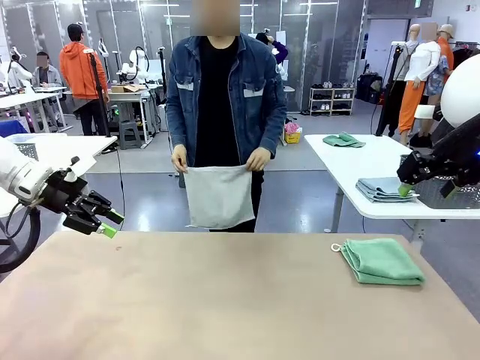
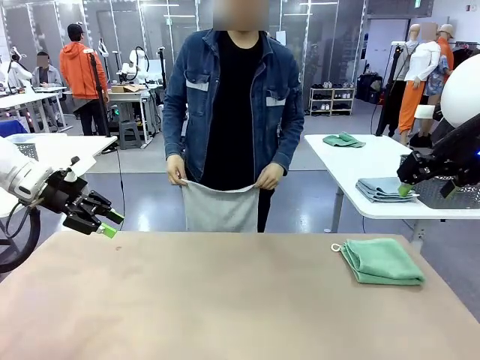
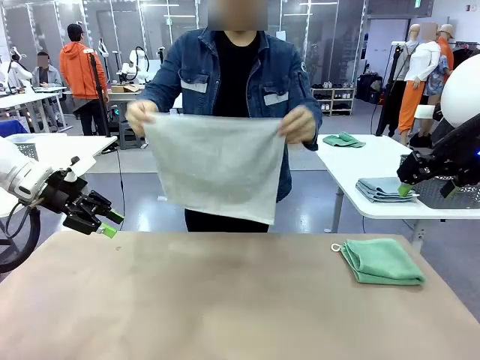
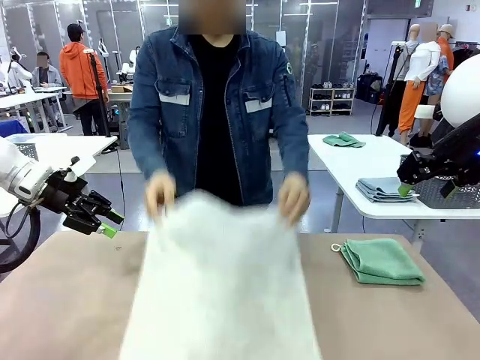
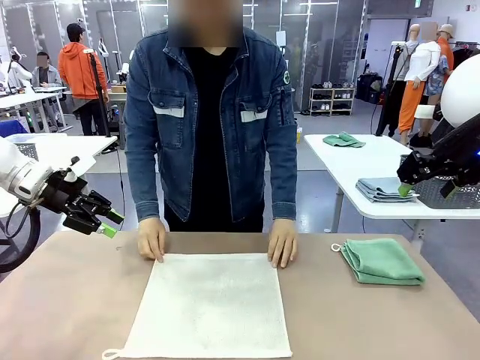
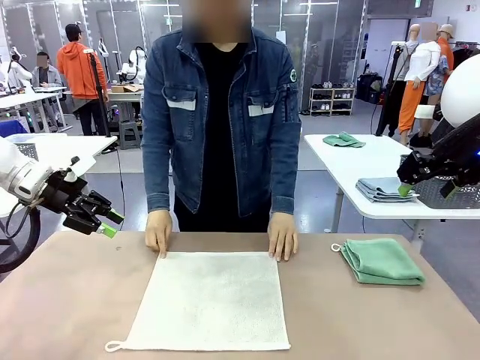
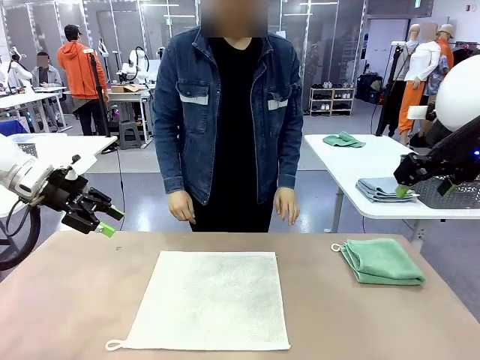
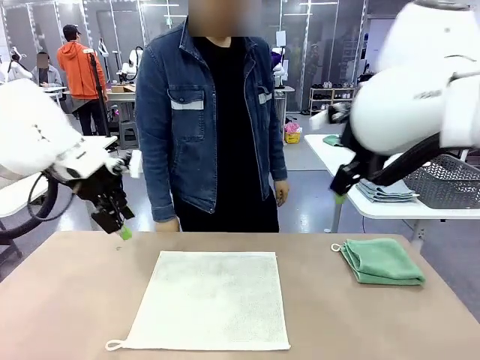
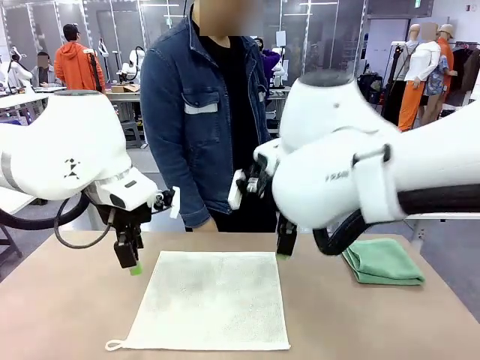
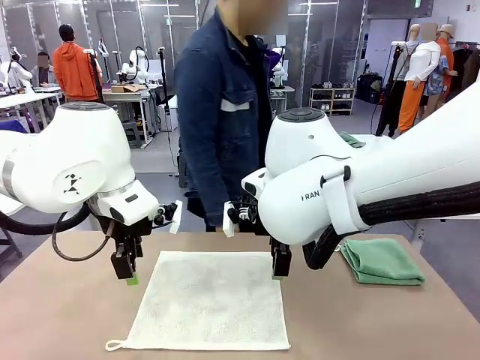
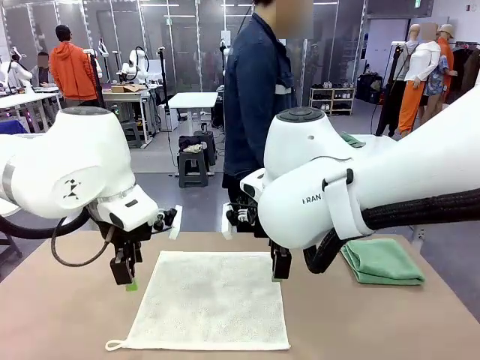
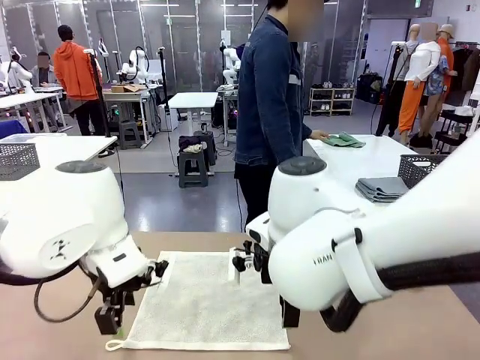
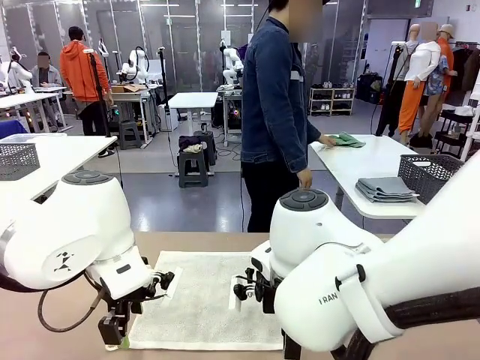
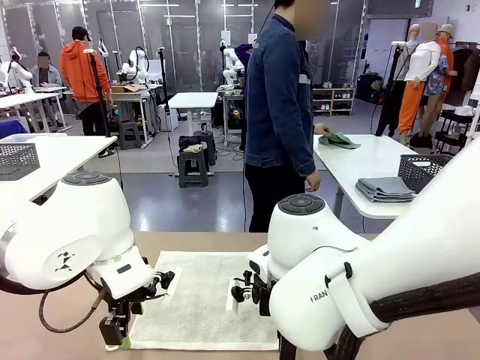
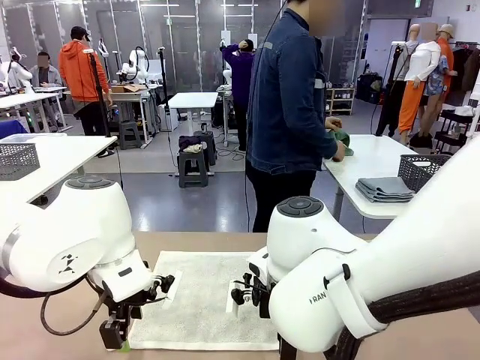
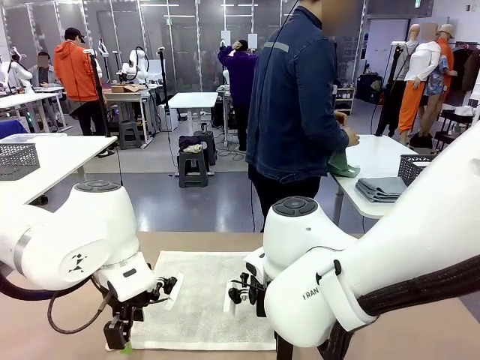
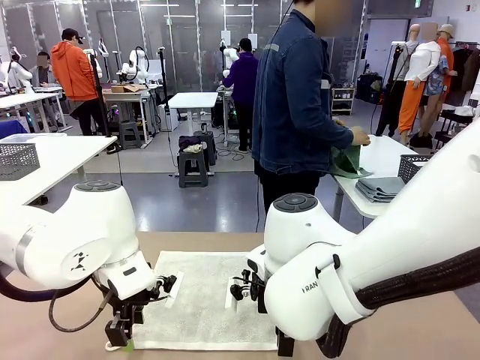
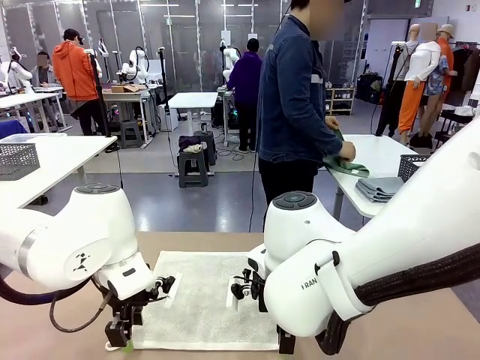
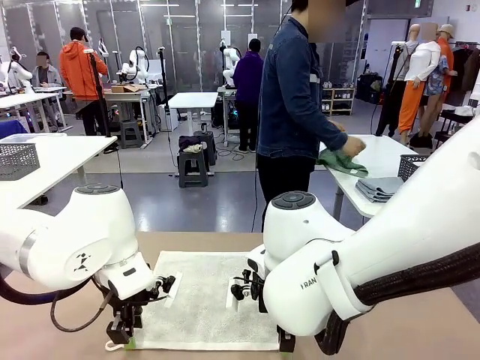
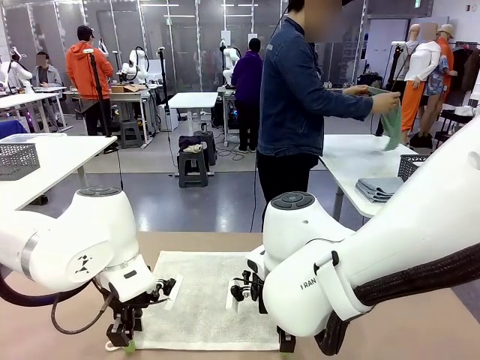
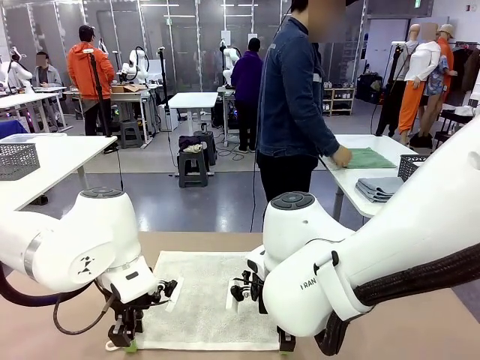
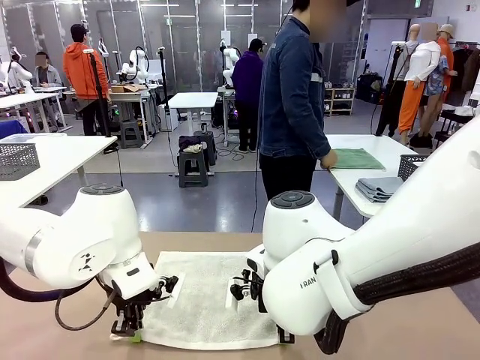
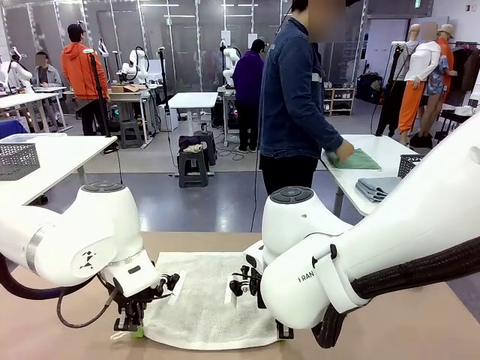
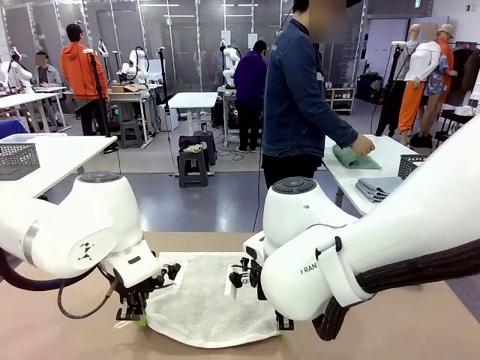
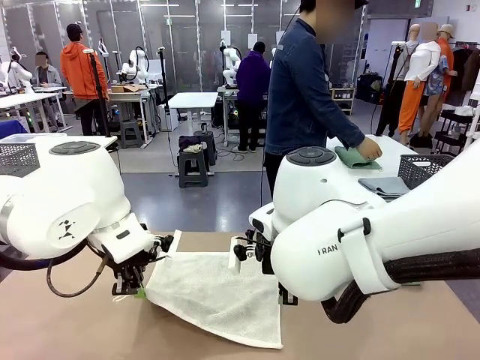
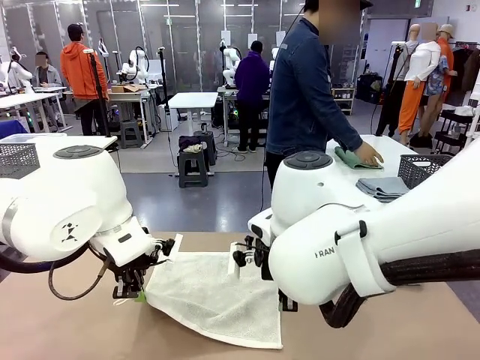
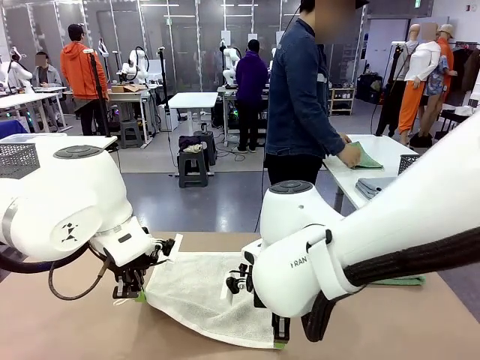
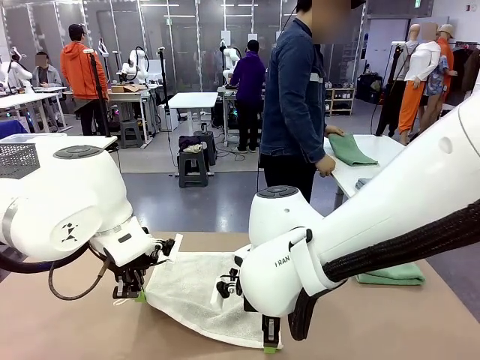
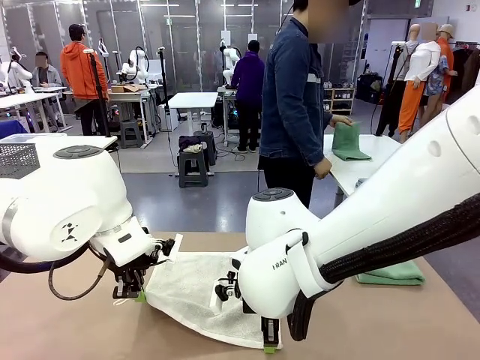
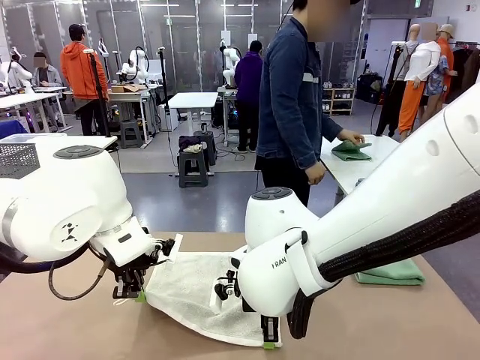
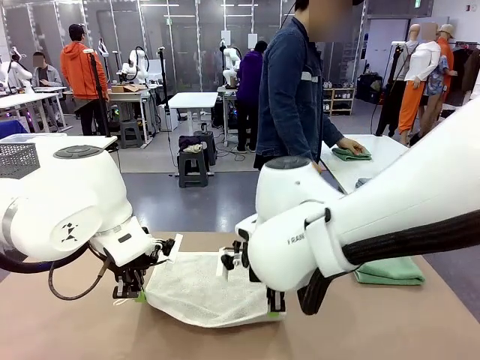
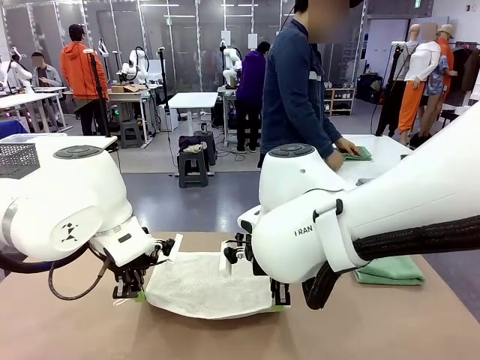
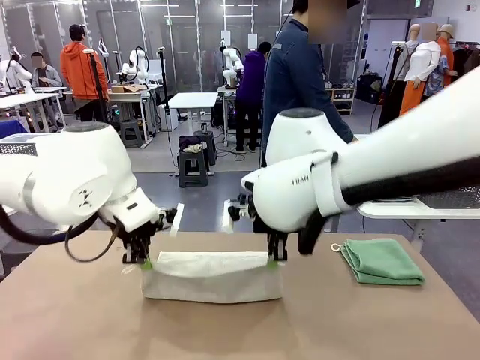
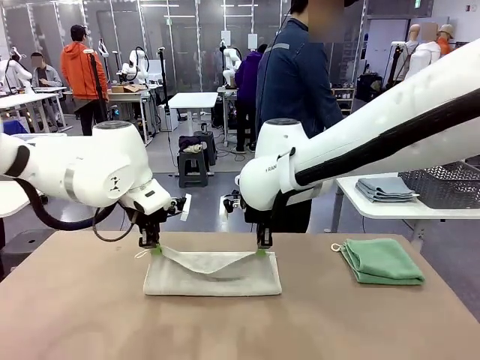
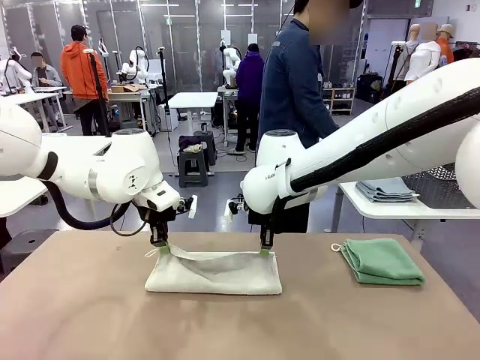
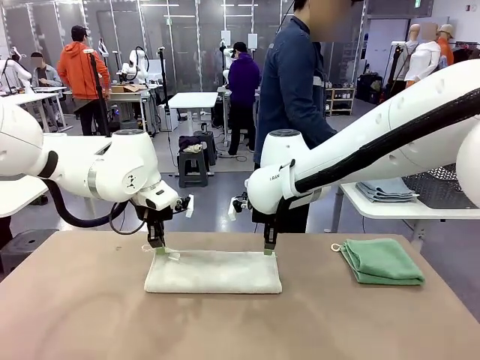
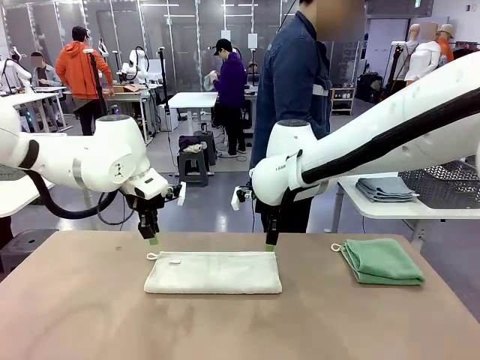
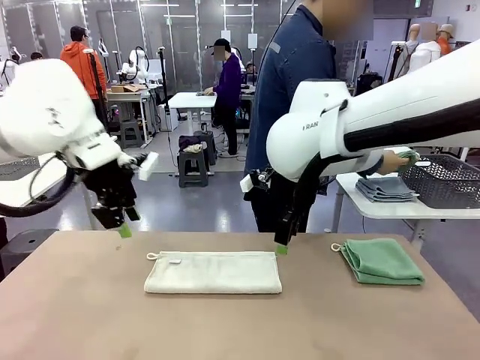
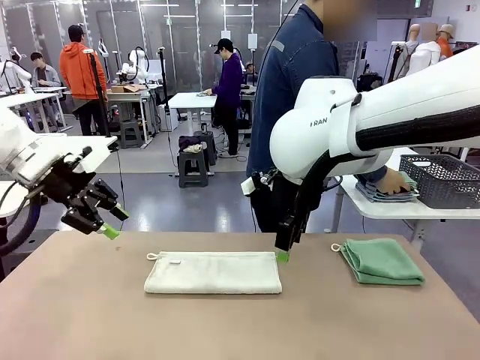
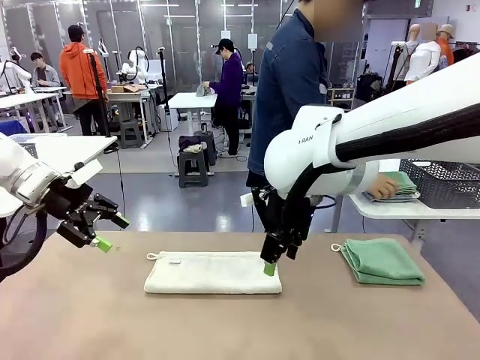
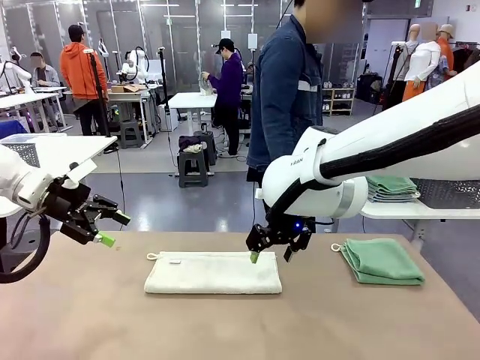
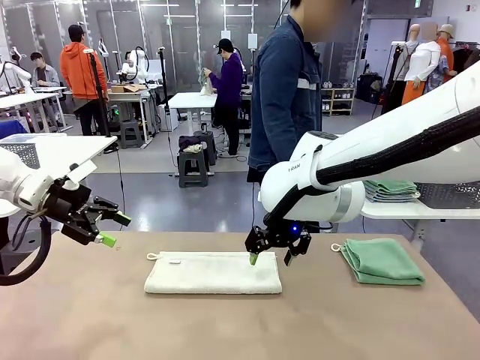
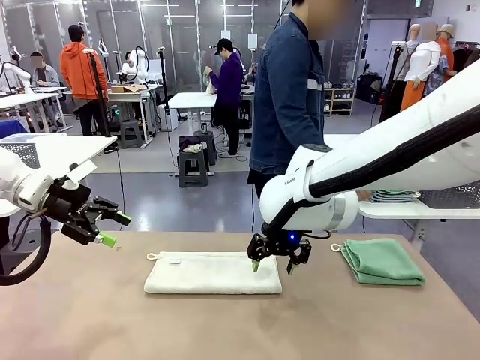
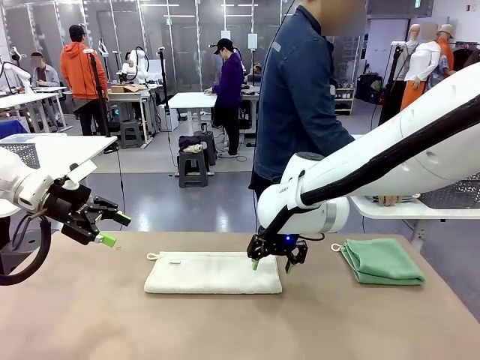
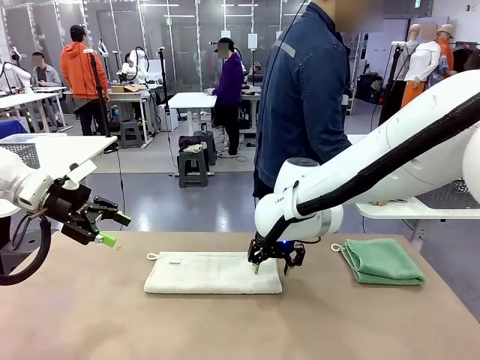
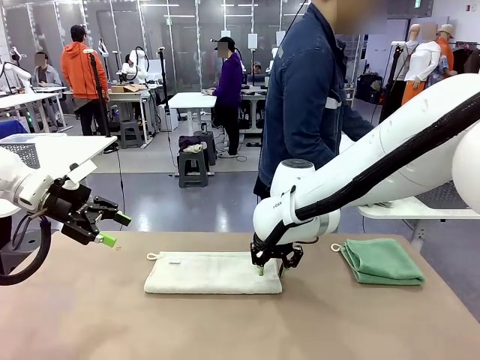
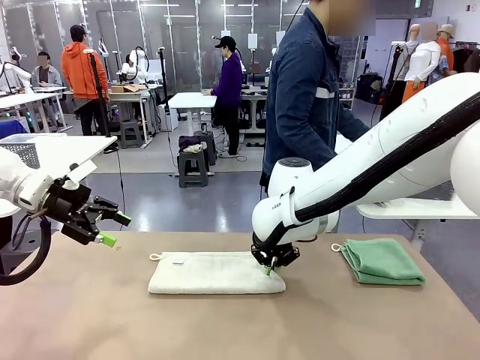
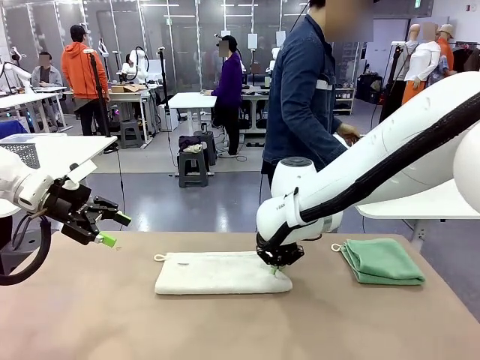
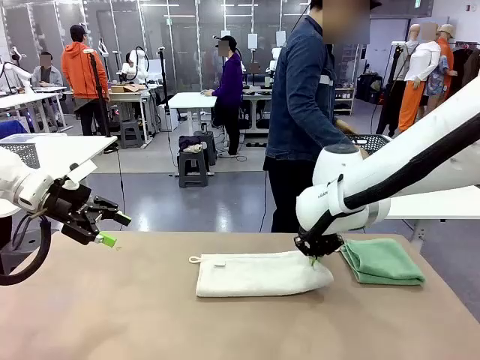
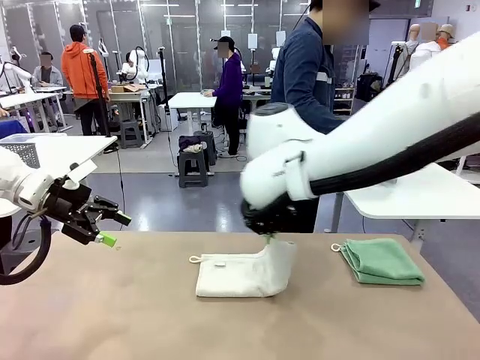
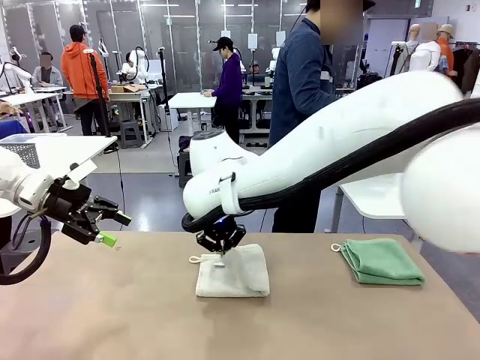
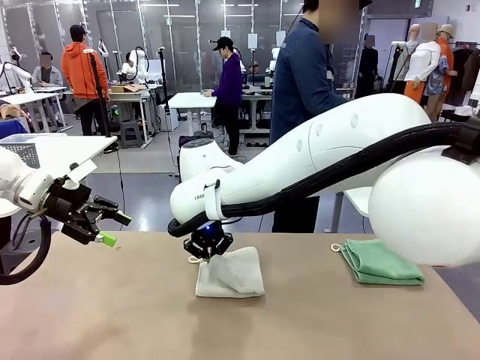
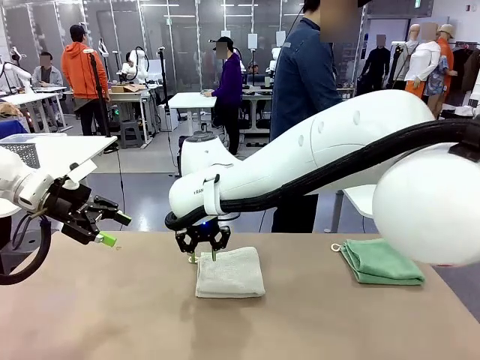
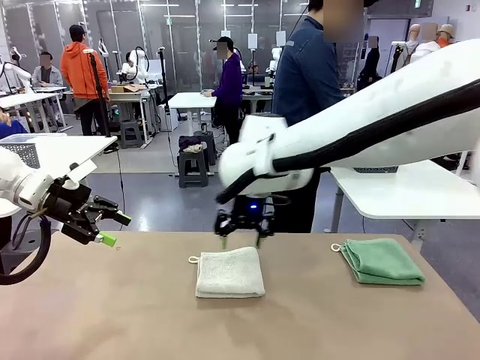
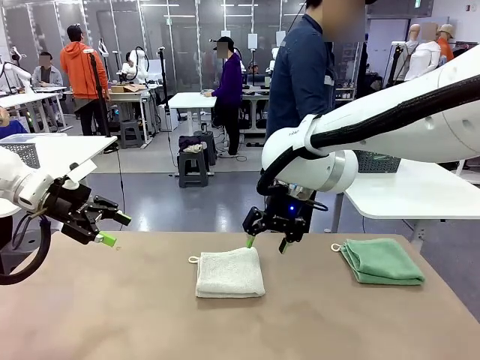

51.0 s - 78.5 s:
Task: Fold the towels and place them in the basket.
Robot: When a person lays out a Towel with hook on the table, fold it in half twice.
Person: Pick up one towel from the left side of the human table, fold it in half twice, and stack it on the right side of the table. Pick up the stack of towels from the right side of the human table, place it into the basket, and put the basket at the center of the table.
